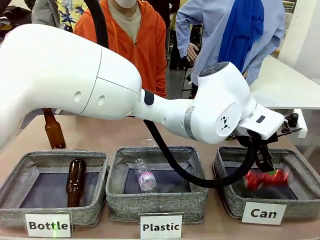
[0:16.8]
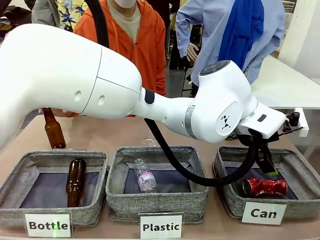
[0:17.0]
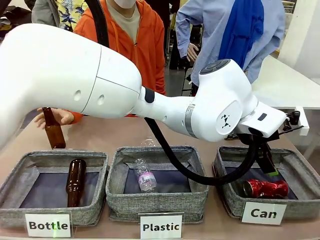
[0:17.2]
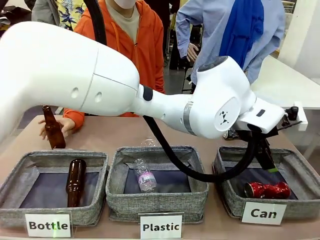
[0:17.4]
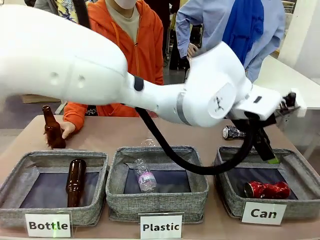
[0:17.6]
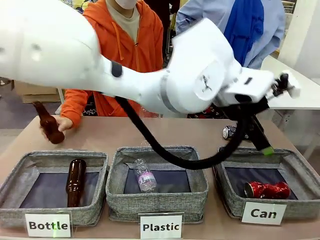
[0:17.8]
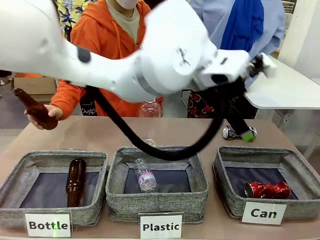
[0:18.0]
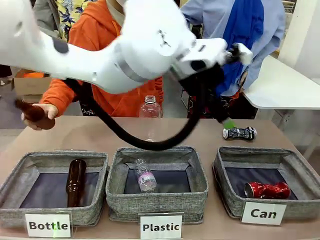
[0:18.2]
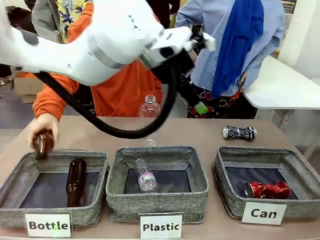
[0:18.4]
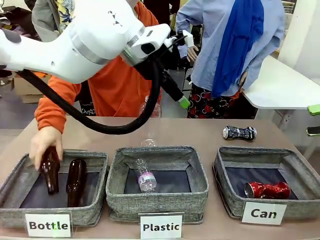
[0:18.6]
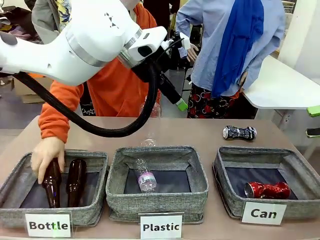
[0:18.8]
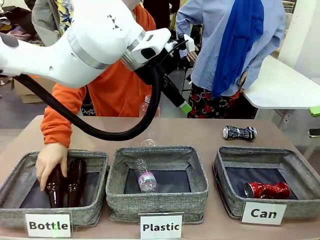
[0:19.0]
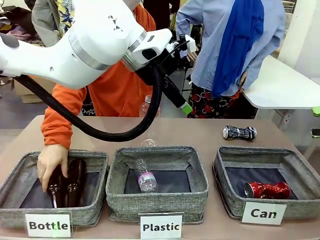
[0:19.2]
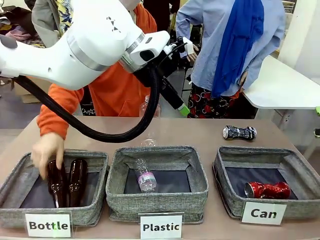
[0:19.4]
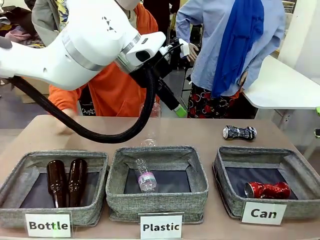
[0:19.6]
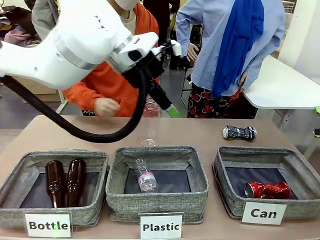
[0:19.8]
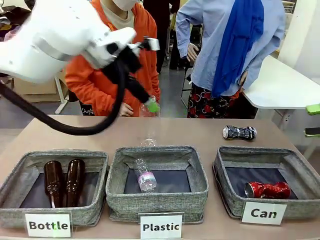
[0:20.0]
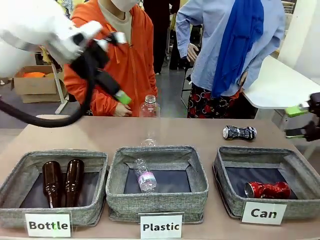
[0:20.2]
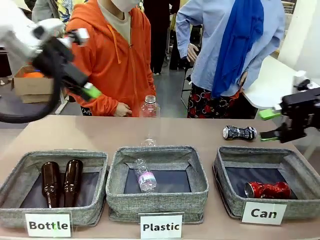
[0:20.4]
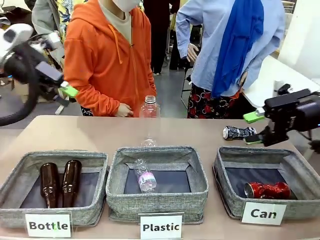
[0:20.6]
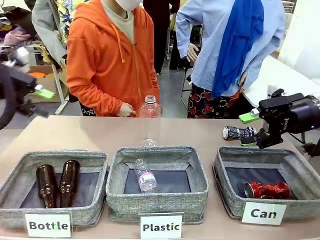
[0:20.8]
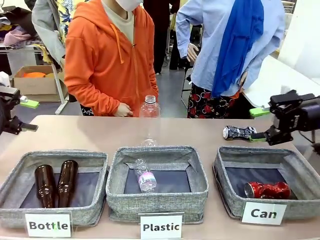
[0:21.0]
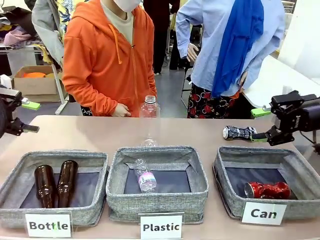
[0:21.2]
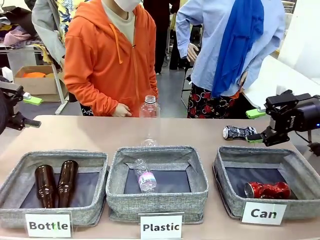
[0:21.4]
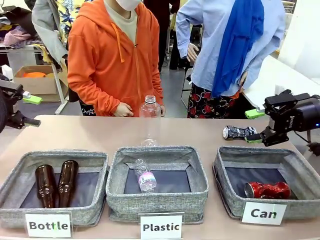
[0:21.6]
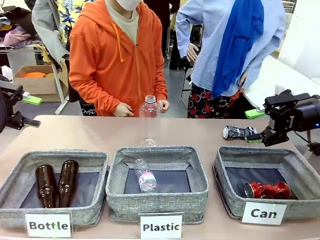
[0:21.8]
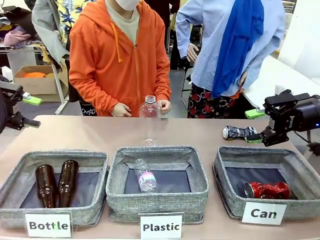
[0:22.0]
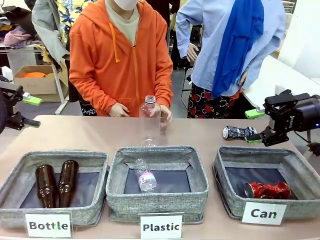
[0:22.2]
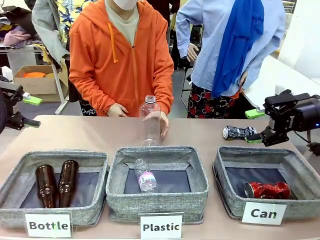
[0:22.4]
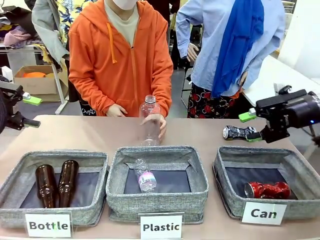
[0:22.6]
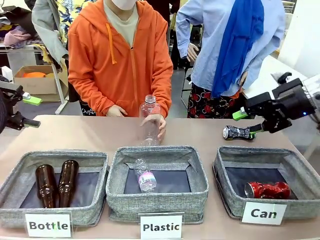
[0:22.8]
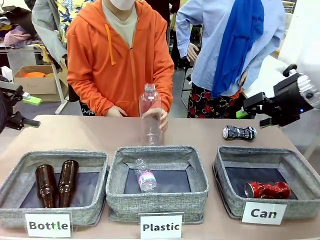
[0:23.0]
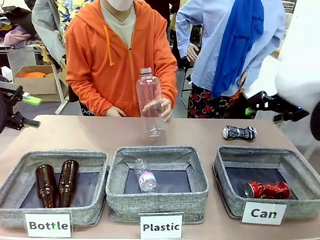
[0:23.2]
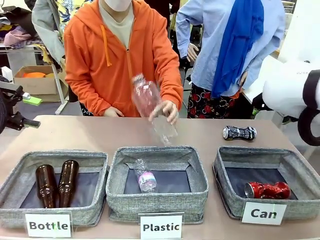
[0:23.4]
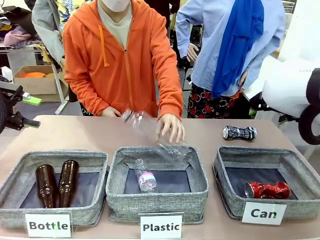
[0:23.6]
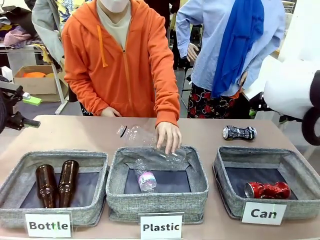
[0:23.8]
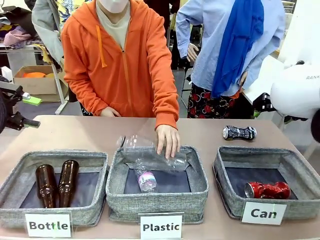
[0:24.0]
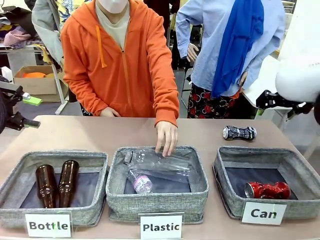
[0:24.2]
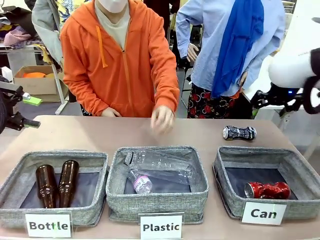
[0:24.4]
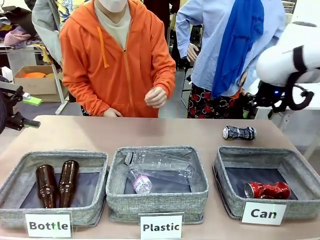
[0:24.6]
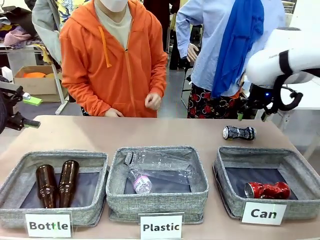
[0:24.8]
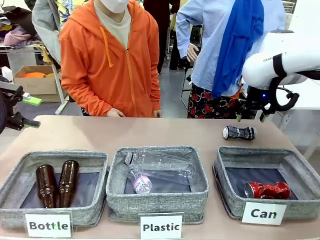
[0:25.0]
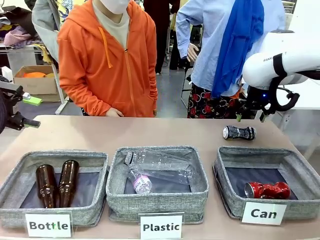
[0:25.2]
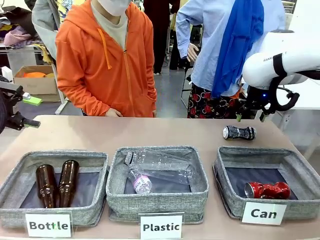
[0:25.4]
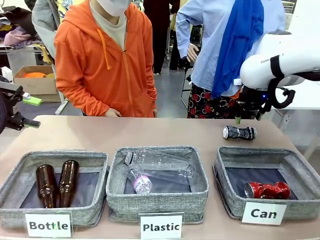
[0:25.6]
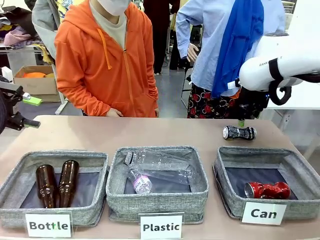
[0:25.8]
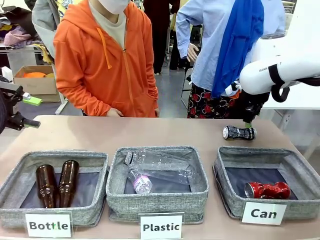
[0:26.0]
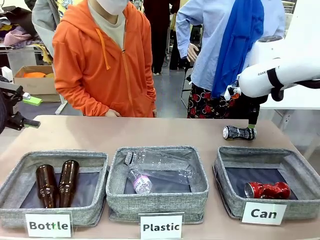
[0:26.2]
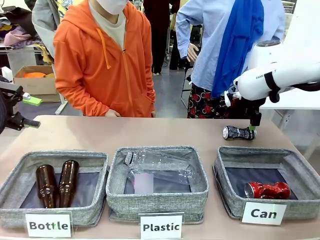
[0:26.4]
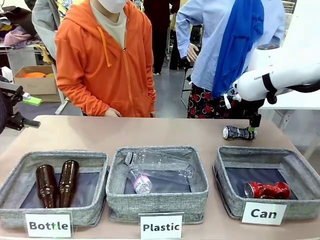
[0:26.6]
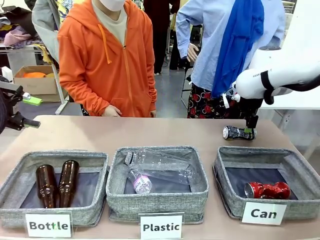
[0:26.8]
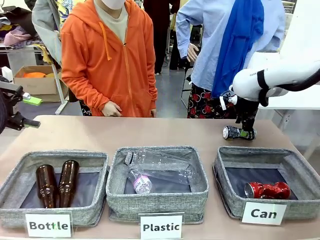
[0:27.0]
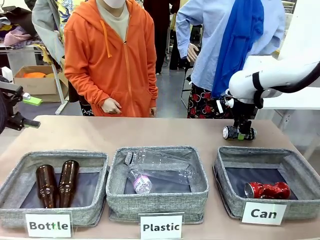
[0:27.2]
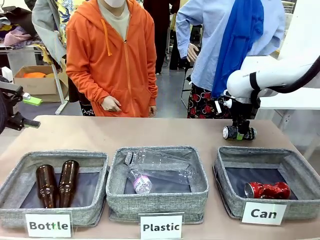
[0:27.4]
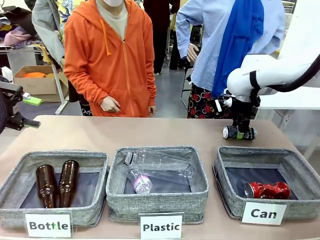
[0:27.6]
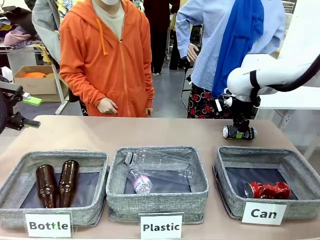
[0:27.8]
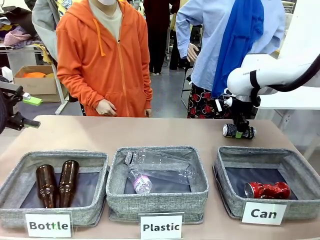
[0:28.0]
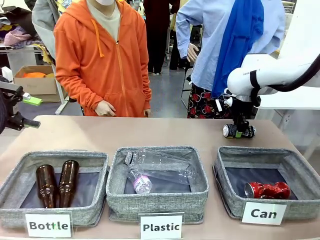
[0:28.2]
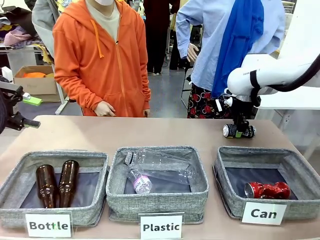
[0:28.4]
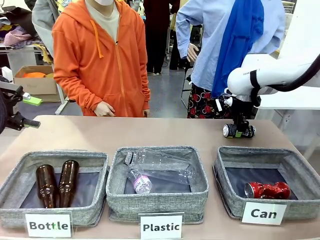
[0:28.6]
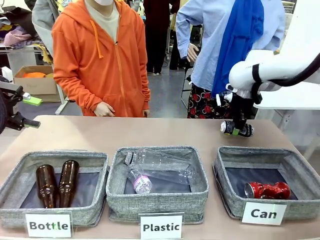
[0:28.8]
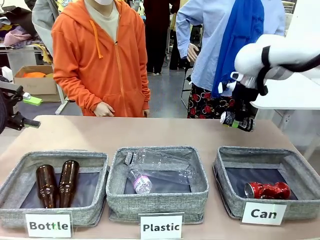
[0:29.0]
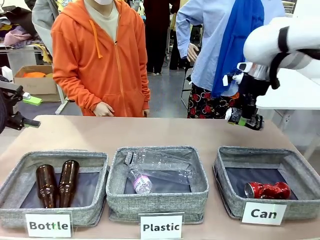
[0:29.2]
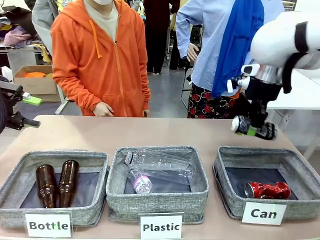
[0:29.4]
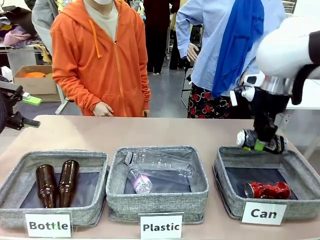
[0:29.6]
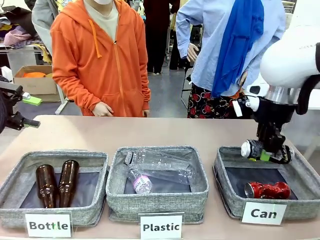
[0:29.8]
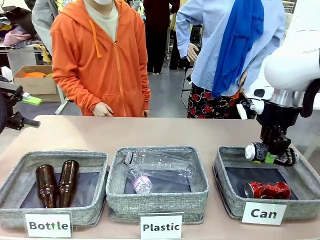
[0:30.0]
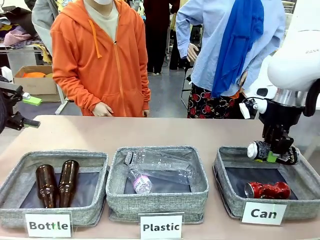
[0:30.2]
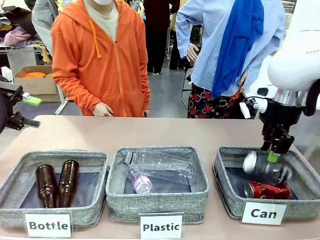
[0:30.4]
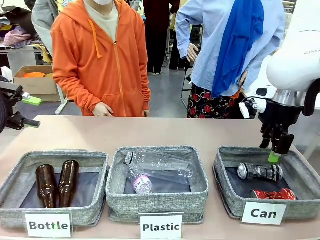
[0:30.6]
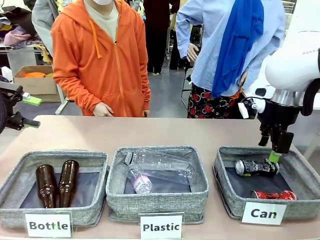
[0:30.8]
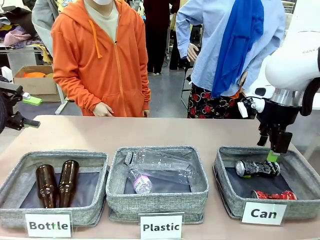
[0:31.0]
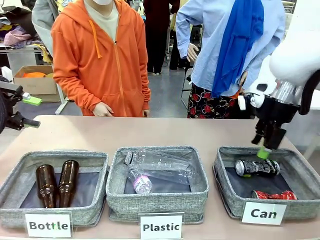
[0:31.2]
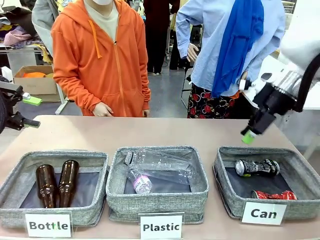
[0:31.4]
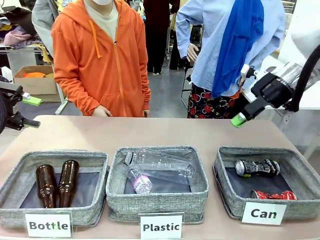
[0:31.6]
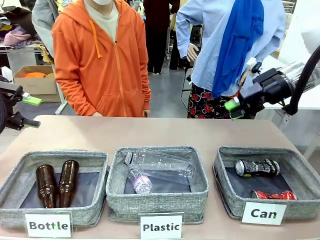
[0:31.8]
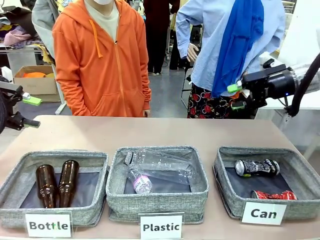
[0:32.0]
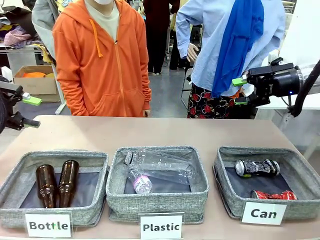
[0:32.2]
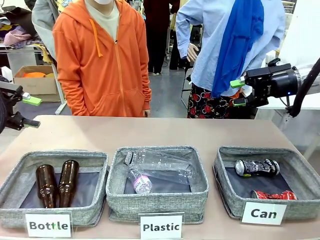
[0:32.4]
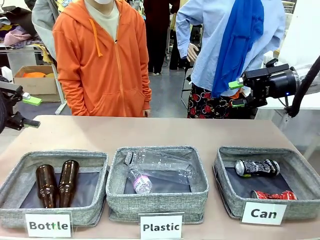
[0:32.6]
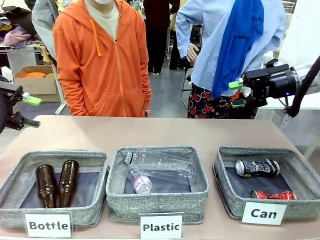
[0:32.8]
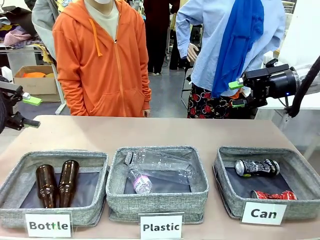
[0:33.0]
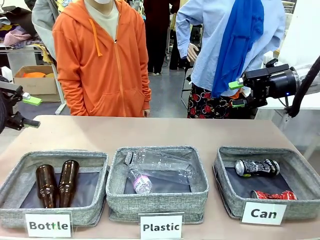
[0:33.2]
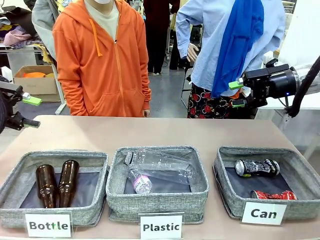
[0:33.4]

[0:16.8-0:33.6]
Task: Sort the can waste into the basket.
Robot: Pick up the can waste from the table and place it in the right Fabric basket.
